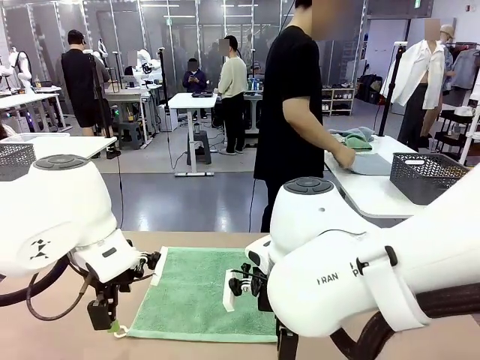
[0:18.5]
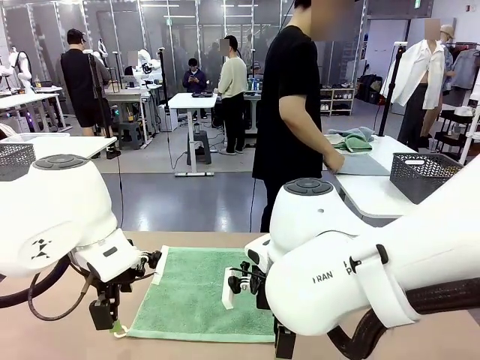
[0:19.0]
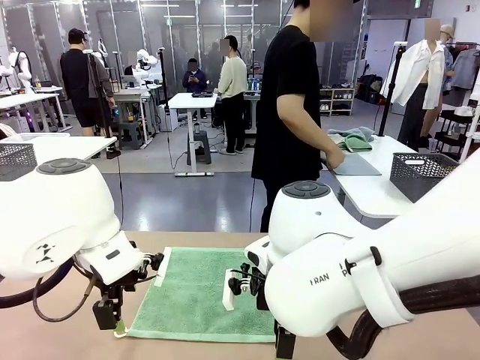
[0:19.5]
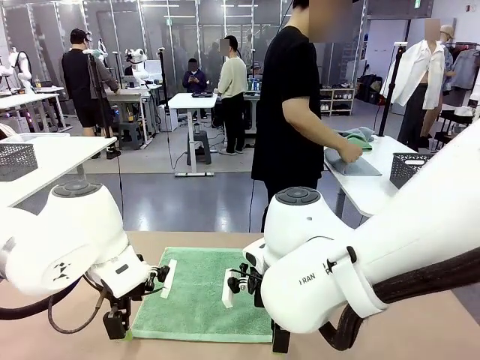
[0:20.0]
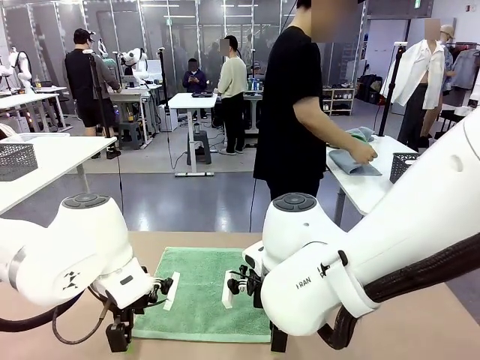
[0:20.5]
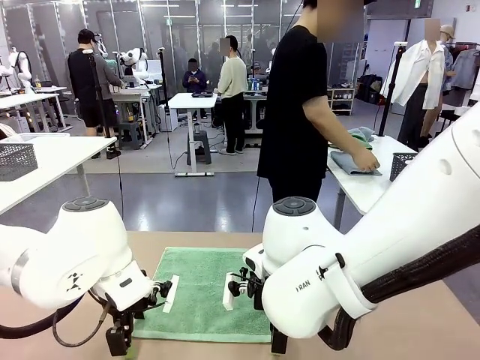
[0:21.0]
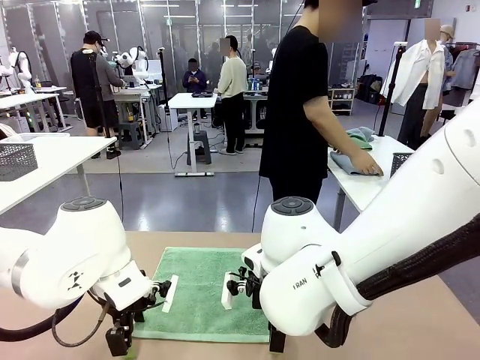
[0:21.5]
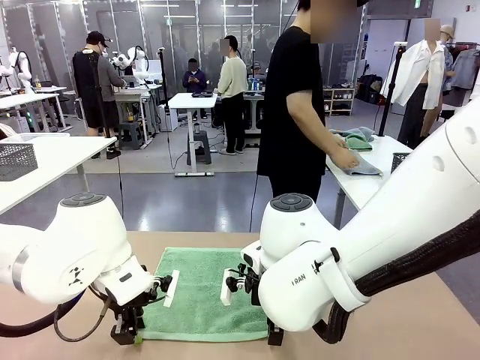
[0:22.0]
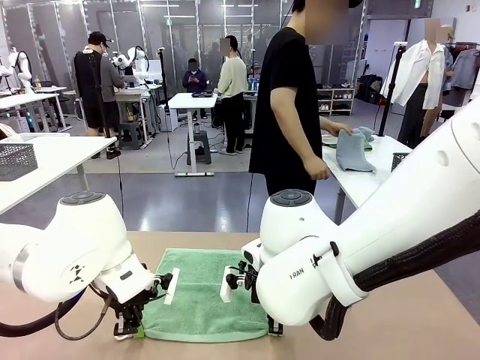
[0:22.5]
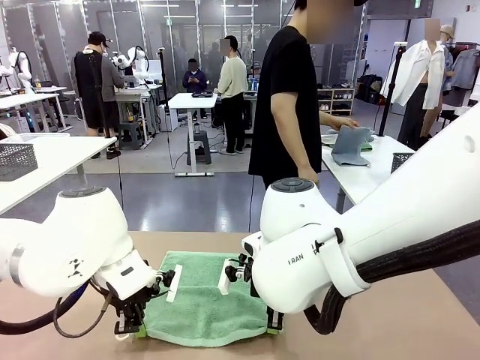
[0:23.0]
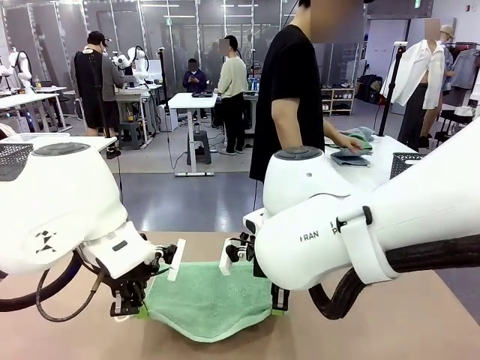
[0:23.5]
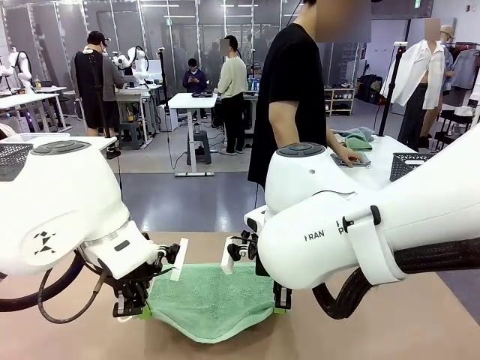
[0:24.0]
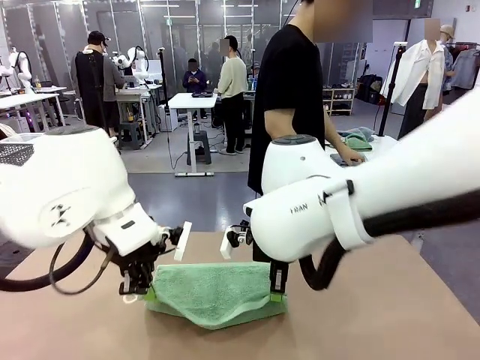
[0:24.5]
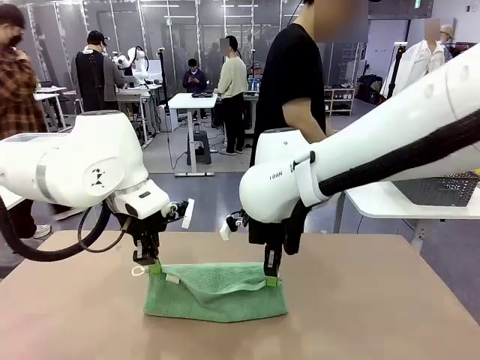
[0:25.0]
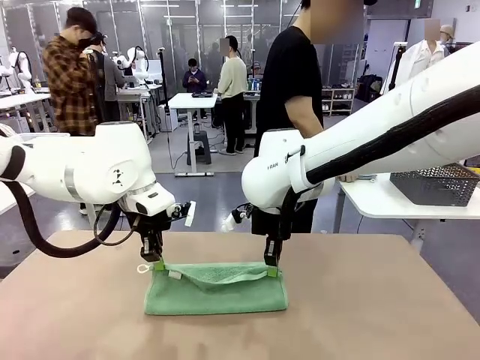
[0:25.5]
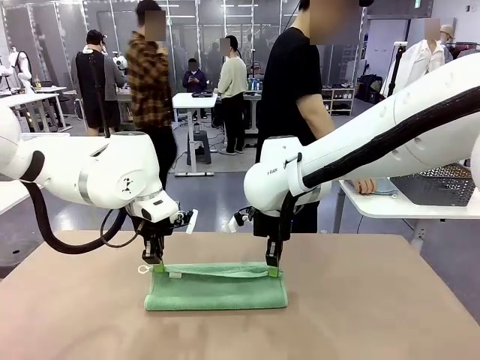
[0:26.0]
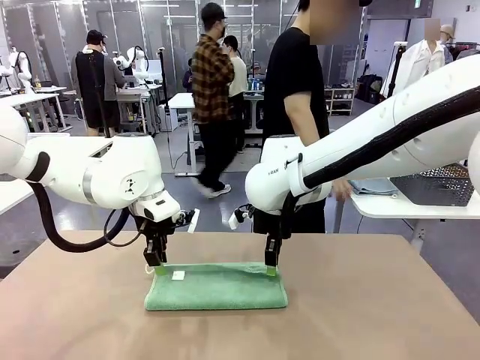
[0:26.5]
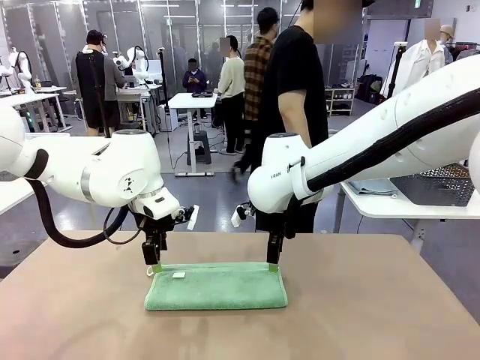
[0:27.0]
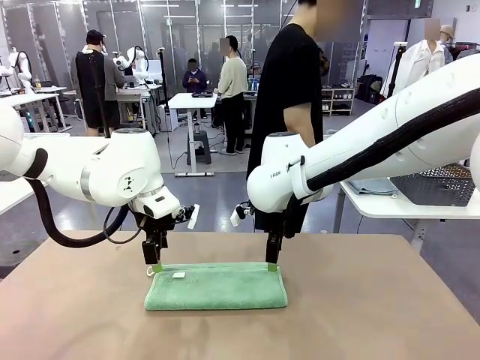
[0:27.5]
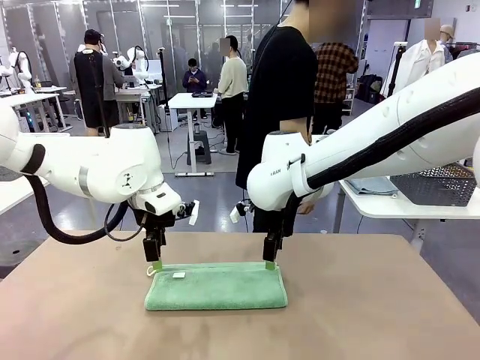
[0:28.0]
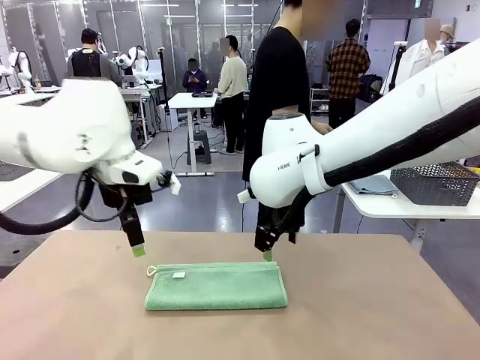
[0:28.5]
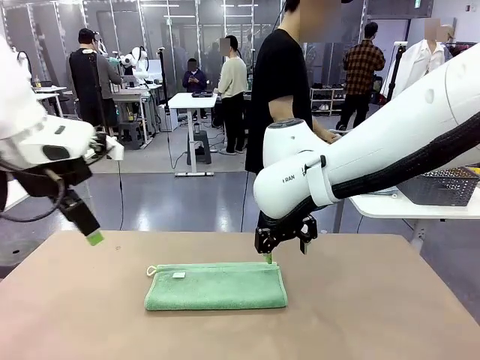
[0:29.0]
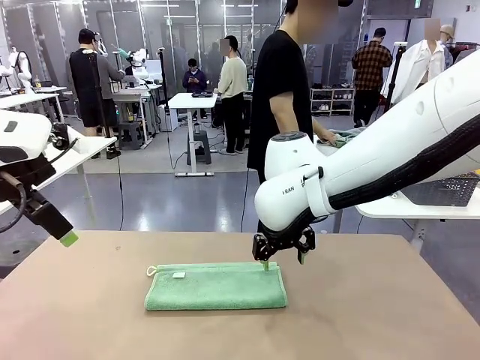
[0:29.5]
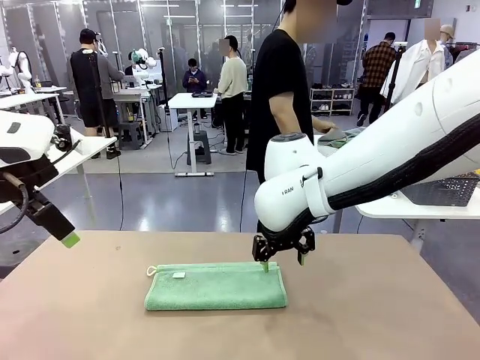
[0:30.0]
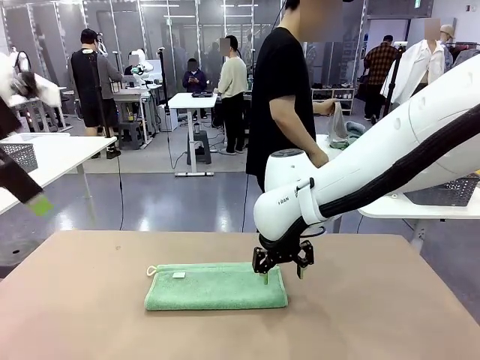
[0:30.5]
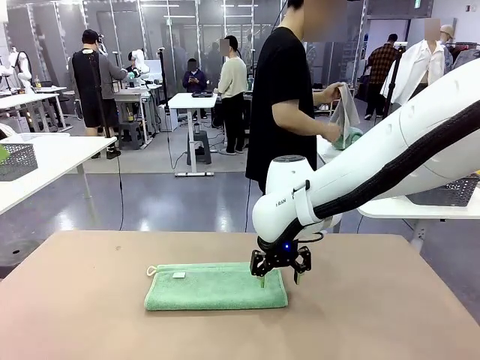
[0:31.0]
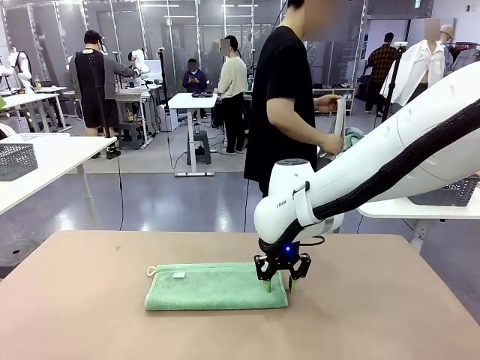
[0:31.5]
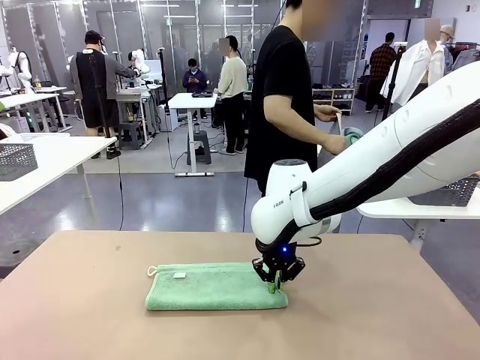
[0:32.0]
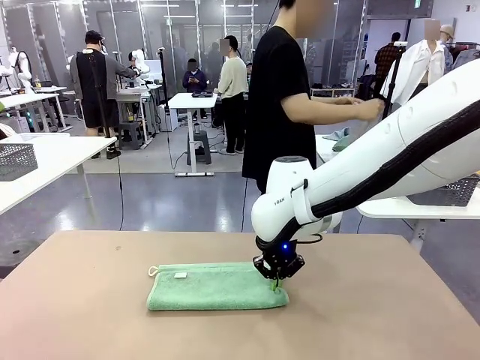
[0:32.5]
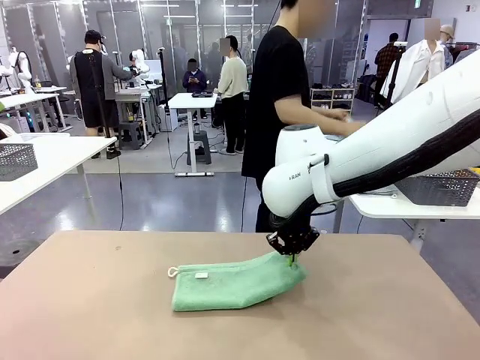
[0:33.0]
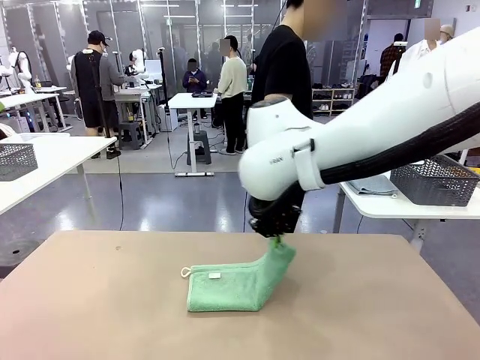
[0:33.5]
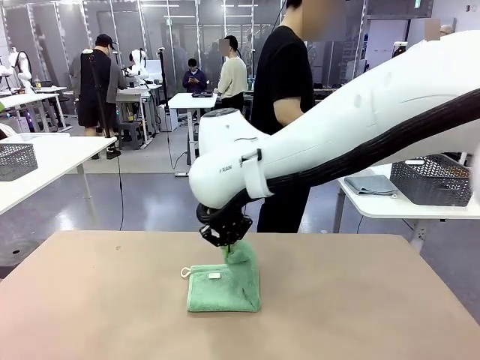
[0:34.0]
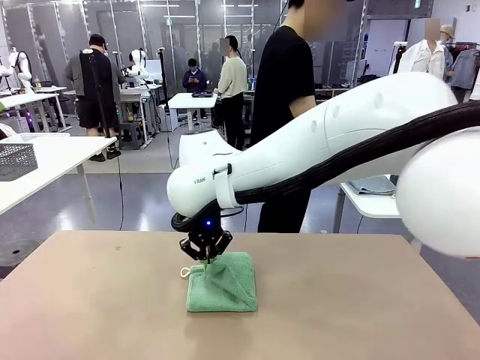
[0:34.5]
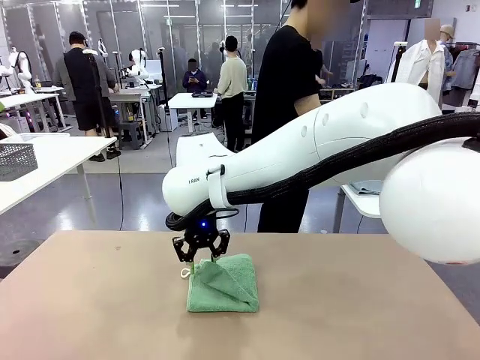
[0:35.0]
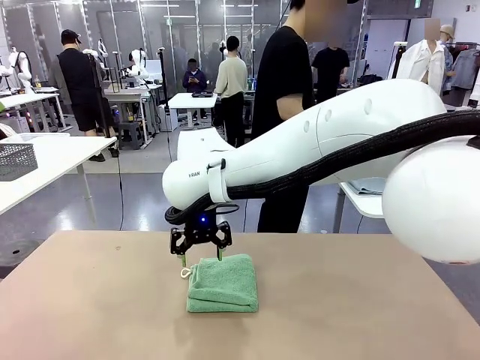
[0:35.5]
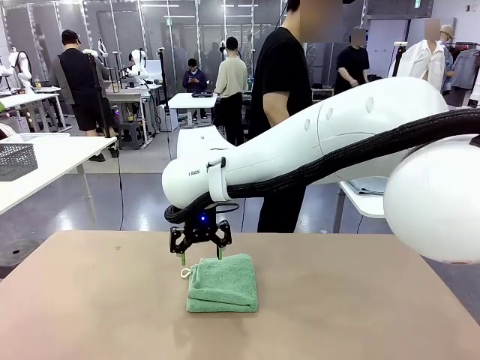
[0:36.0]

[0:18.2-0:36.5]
Task: Fold the towels and place them in the basket.
Robot: When a person lays out a Towel with hook on the table, fold it in half twice.
Person: Pick up one towel from the left side of the human table, fold it in half twice, and place it on the right side of the table. Pick up one towel from the left side of the human table, fold it in half twice, and stack it on the right side of the table.

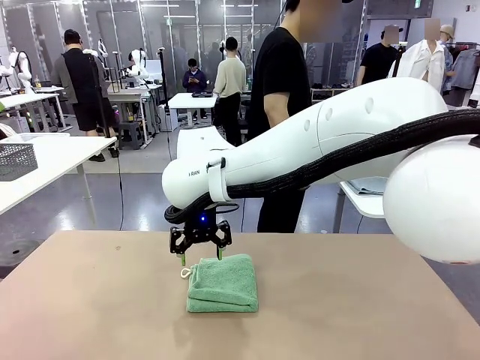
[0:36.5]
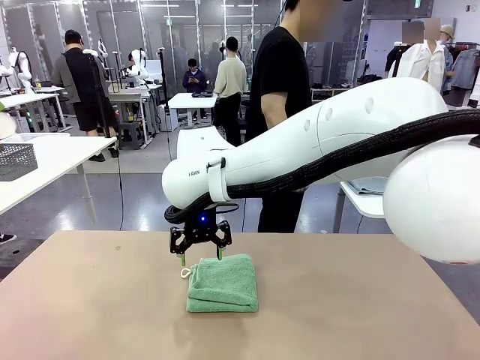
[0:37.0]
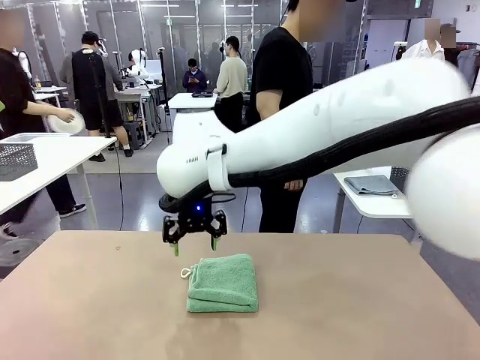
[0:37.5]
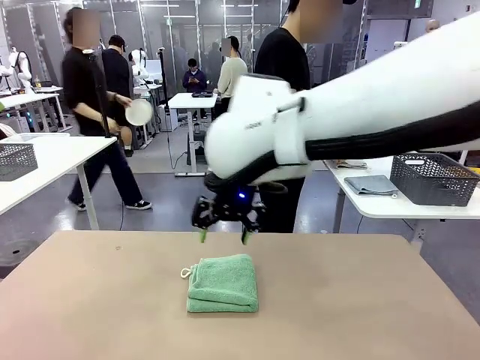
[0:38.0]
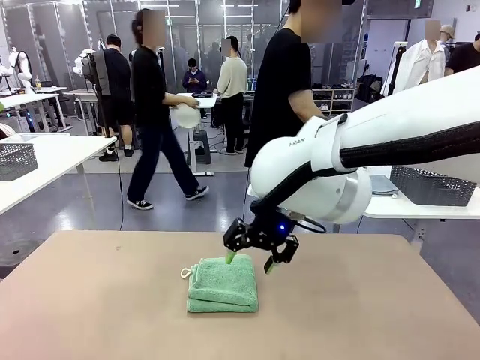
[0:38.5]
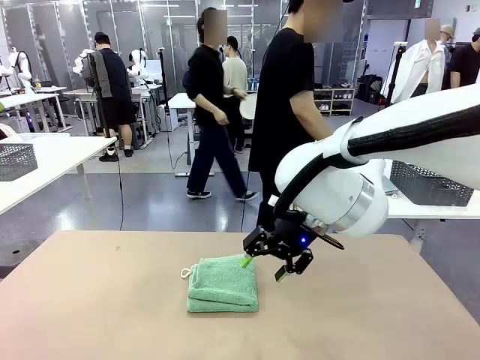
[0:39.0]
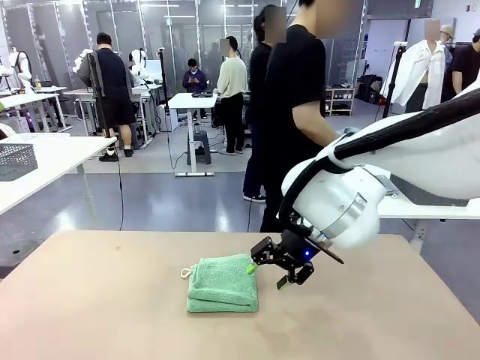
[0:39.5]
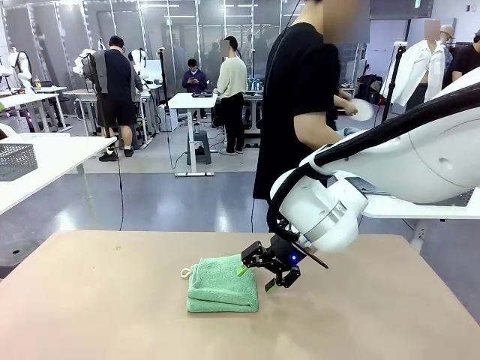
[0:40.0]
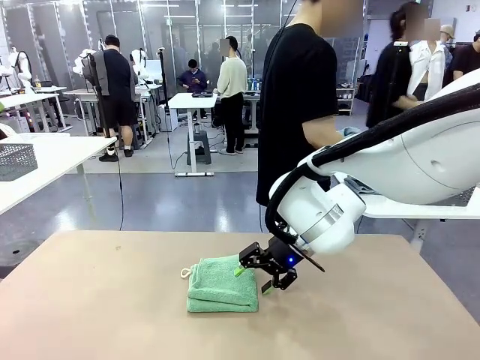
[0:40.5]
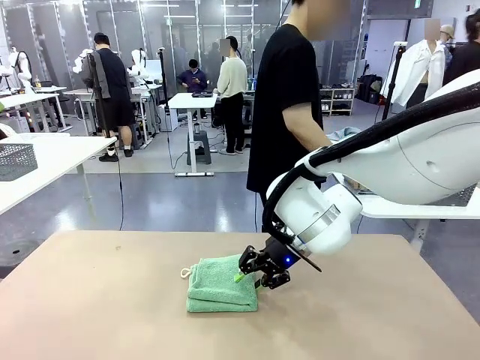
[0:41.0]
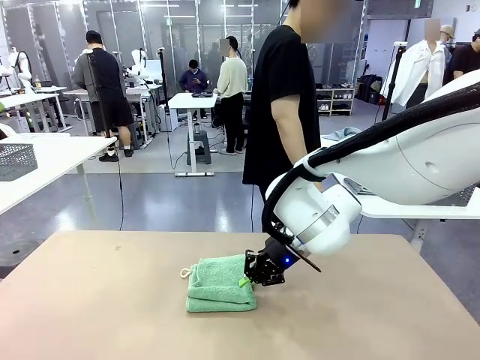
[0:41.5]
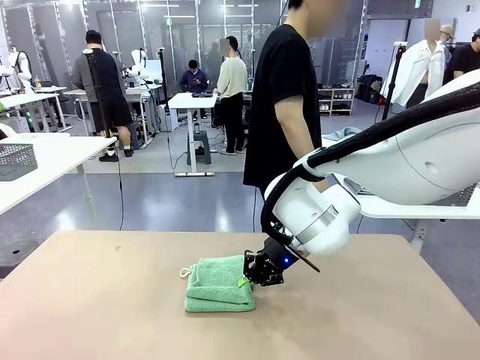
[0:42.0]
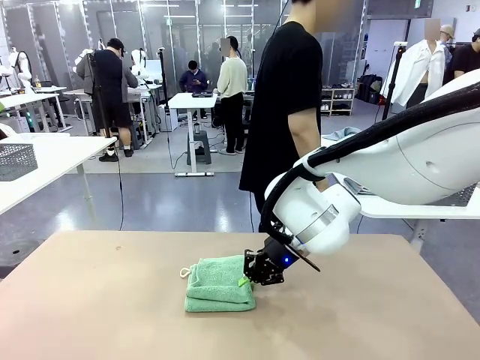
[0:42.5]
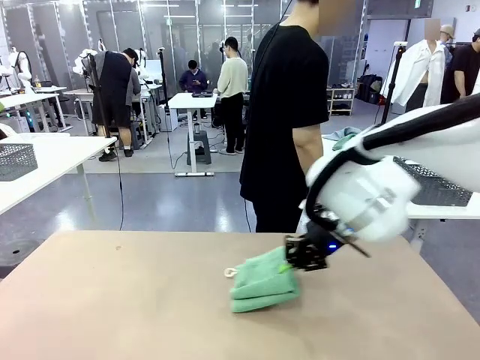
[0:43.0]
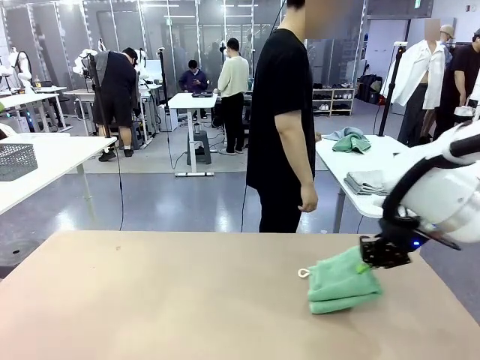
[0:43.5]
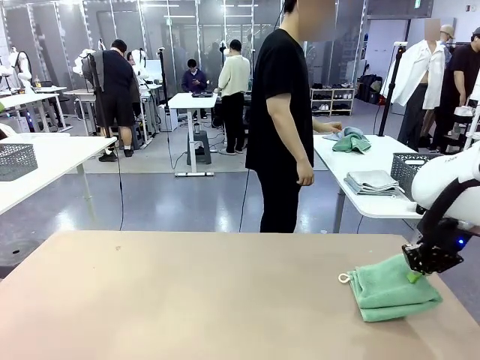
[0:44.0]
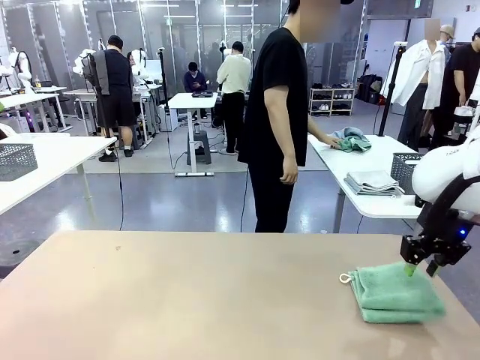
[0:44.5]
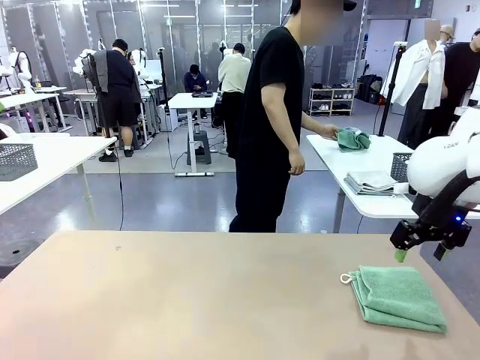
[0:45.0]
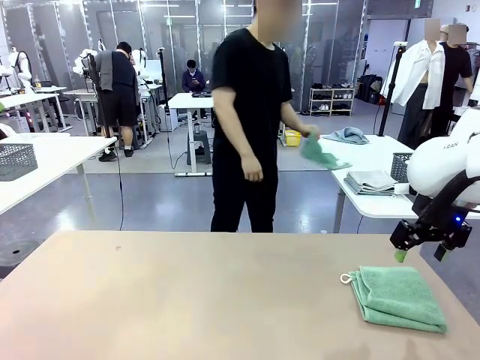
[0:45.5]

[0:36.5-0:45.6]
Robot: Place the folded Towel with hook on the right side of the table.
